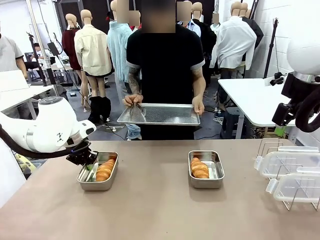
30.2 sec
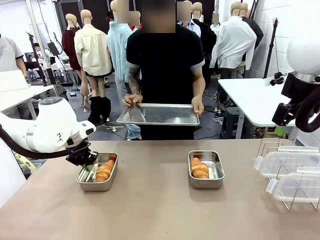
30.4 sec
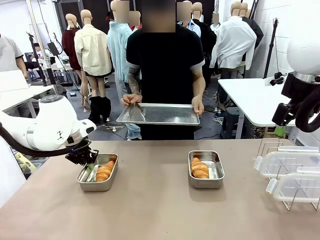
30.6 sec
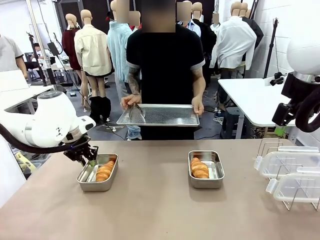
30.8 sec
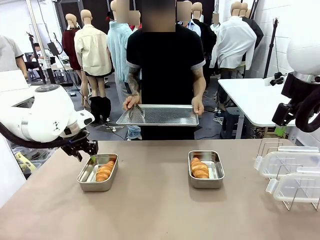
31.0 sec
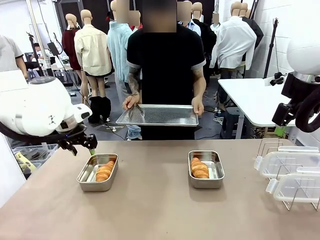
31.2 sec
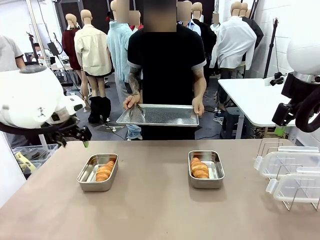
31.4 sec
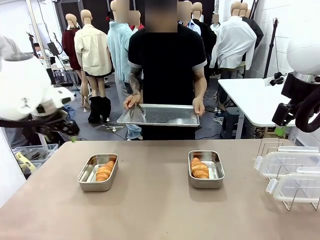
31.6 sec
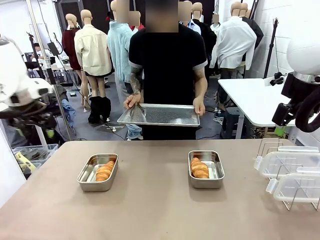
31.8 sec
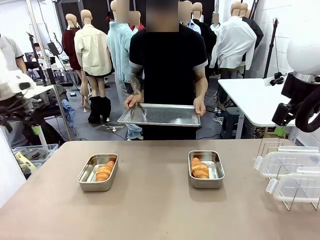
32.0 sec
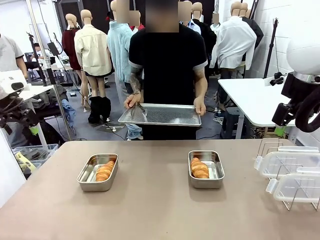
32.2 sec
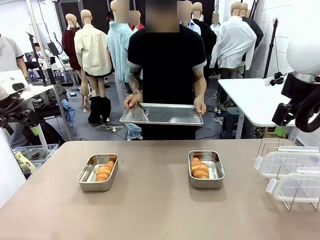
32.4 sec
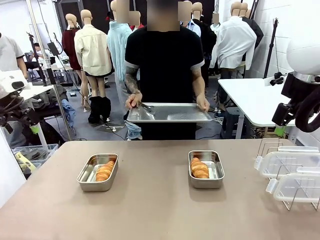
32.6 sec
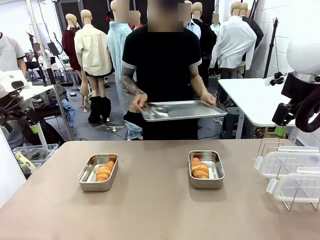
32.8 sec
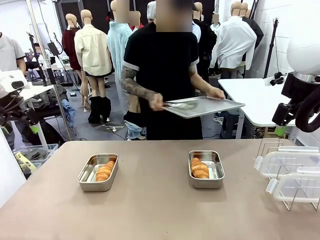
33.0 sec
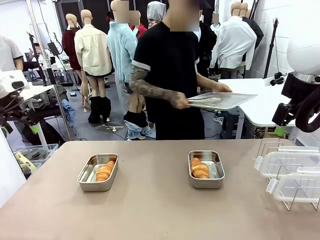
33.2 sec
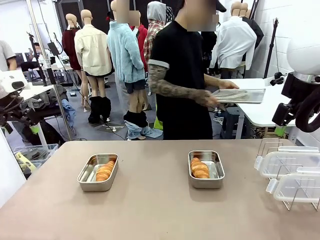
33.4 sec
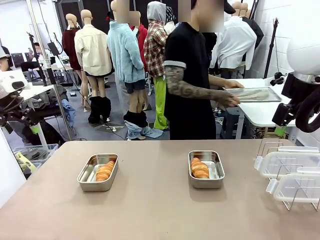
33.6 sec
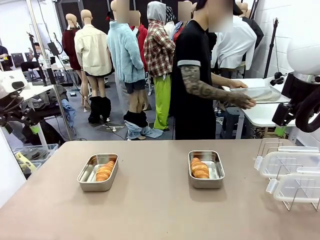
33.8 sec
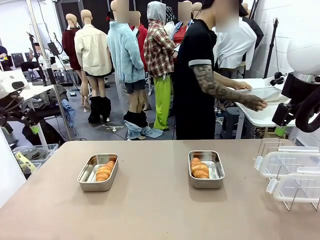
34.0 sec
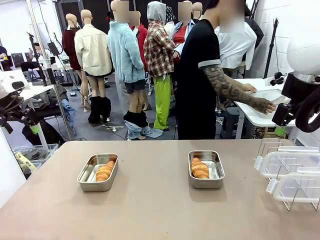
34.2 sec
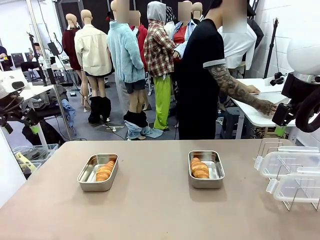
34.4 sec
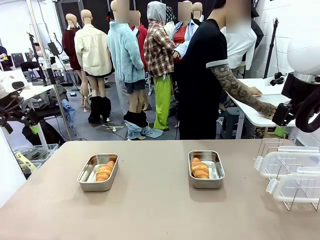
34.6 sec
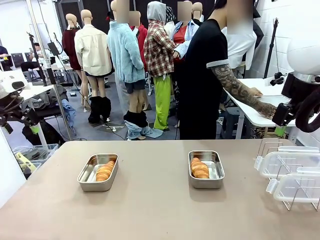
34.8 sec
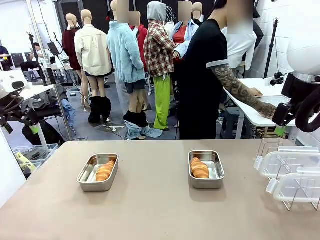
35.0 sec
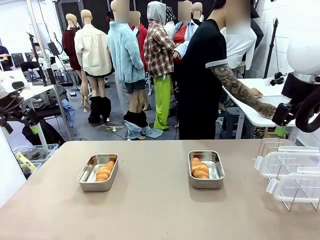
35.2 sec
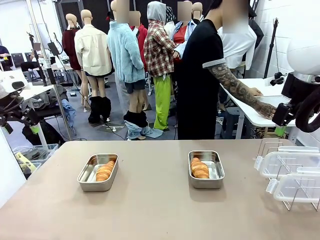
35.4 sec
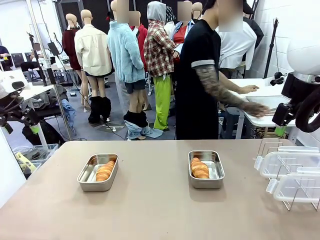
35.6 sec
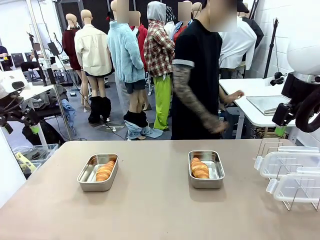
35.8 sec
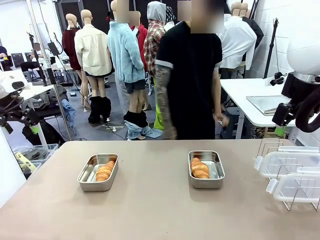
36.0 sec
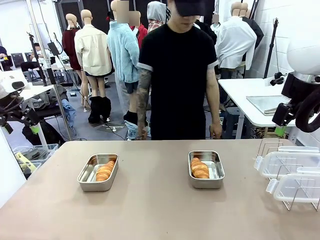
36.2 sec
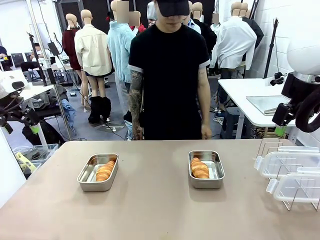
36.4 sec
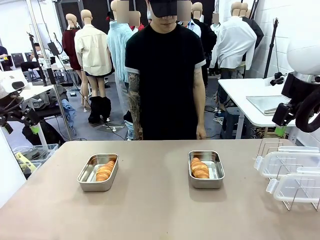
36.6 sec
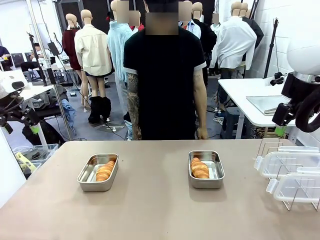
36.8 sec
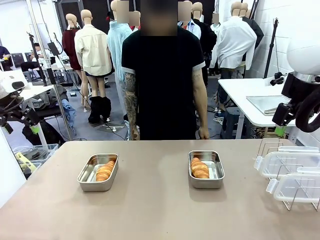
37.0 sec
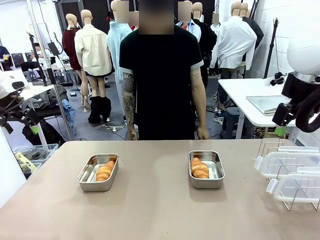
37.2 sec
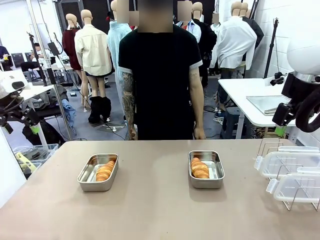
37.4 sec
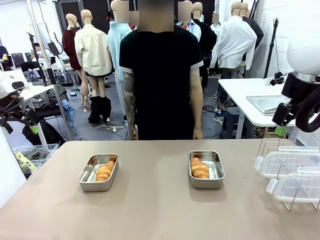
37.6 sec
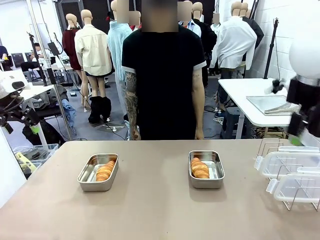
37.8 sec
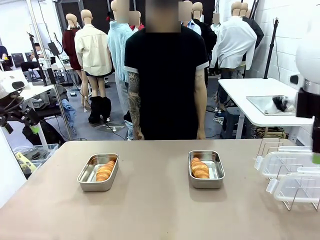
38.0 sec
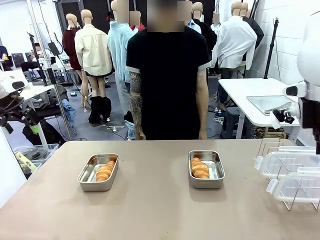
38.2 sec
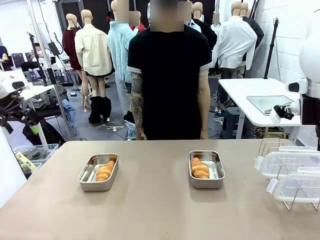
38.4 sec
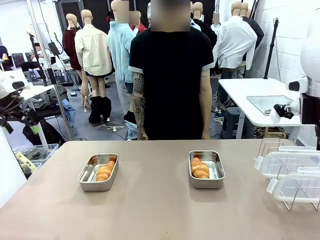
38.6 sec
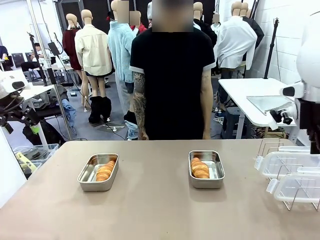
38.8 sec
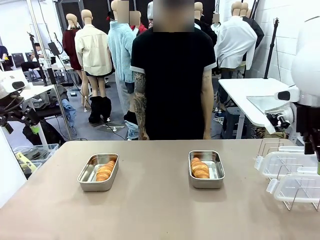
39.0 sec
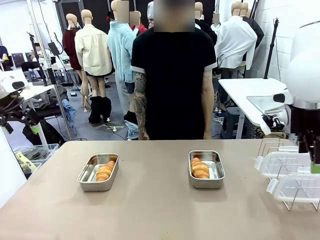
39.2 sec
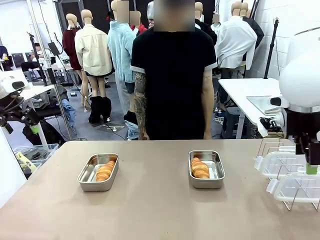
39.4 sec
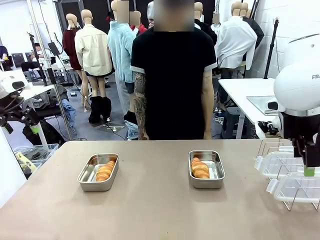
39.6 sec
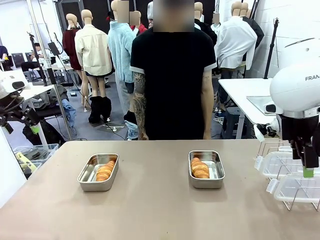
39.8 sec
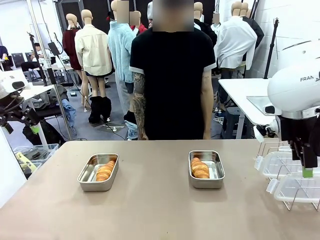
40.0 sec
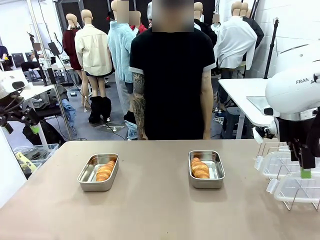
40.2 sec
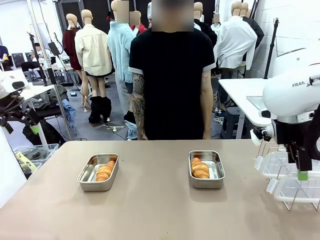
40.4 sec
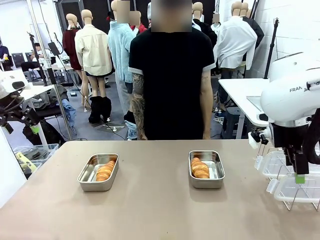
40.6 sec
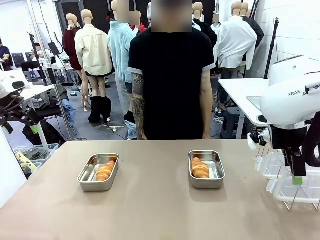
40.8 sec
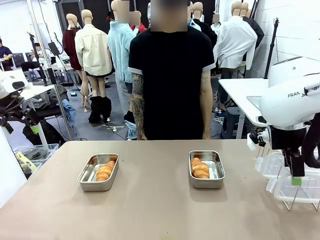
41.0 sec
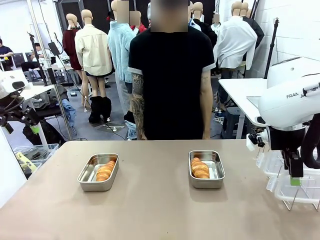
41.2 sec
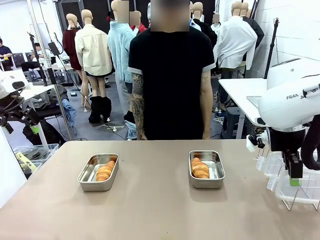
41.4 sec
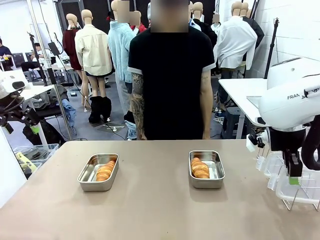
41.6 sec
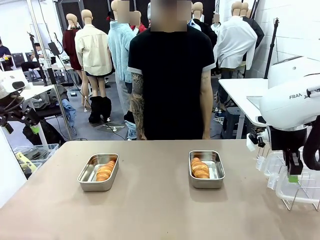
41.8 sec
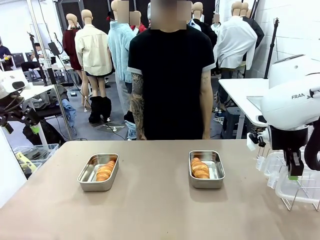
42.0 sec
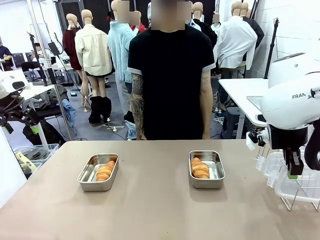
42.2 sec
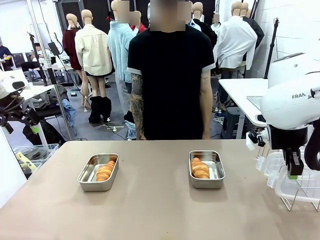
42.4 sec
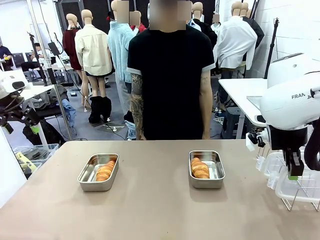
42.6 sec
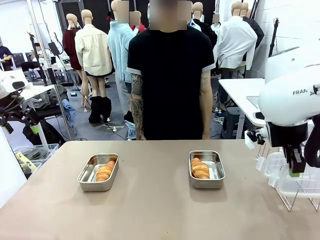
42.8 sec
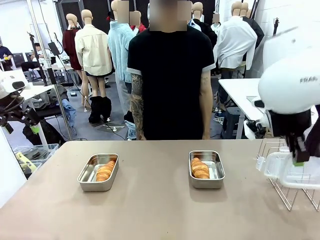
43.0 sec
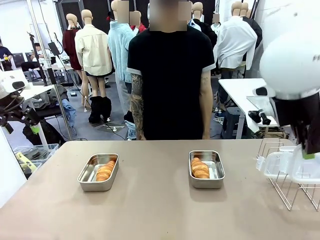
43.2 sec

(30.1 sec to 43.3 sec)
Task: Place the bread in airtight containers.
Robot: Pick up one Airtight Container lid and hand it to the human.
Person: Place Baking Sheet on the Human's Table. Grip Airtight Container lid that robot is handing.

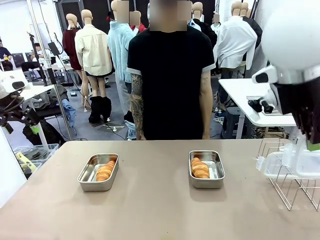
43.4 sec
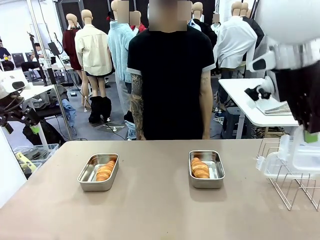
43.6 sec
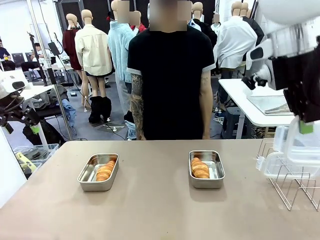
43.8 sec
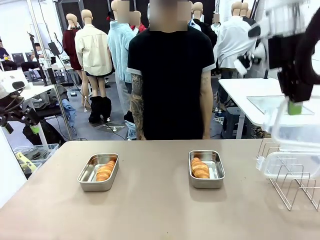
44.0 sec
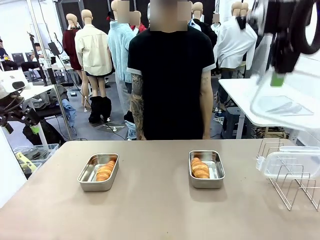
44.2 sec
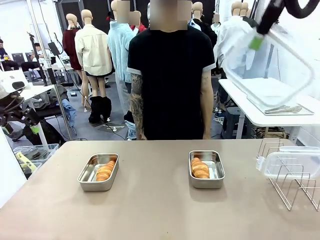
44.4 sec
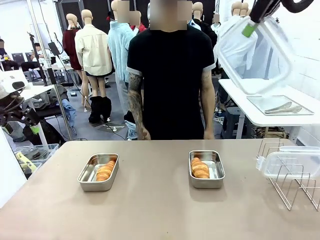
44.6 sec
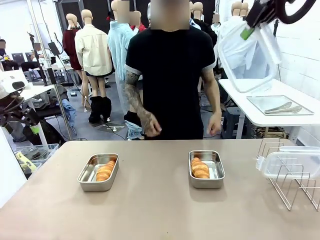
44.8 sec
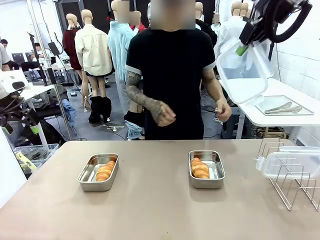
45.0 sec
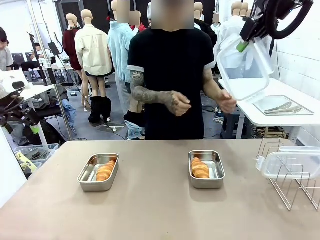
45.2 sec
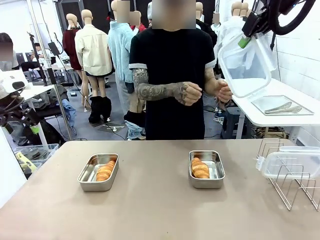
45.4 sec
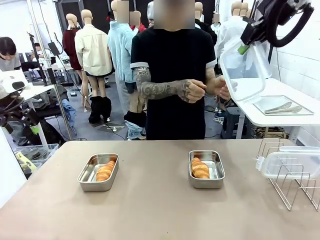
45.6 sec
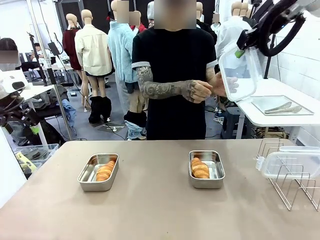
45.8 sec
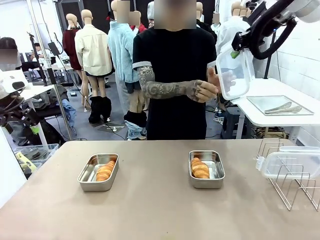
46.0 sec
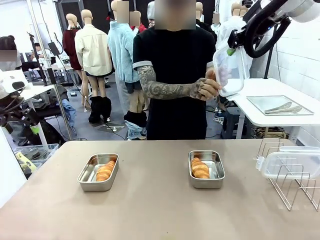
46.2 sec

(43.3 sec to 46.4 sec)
Robot: Release when the human grabs the Airtight Container lid.

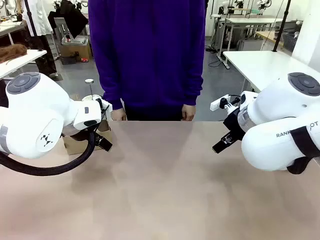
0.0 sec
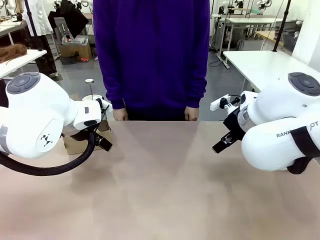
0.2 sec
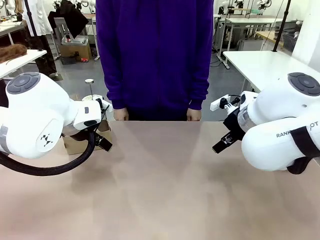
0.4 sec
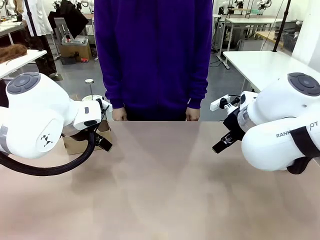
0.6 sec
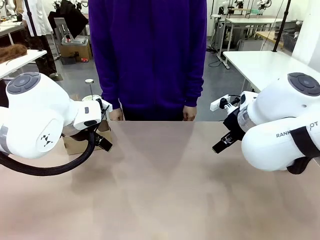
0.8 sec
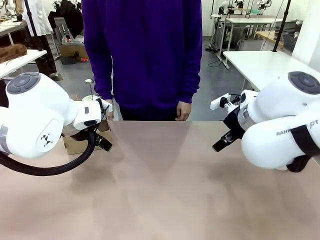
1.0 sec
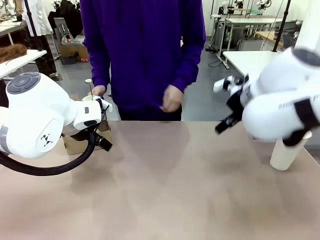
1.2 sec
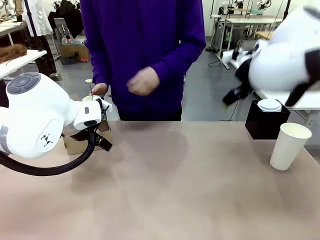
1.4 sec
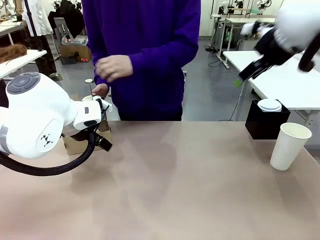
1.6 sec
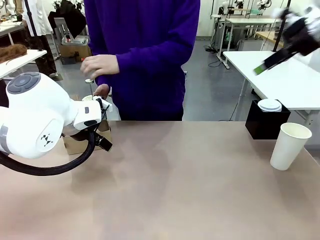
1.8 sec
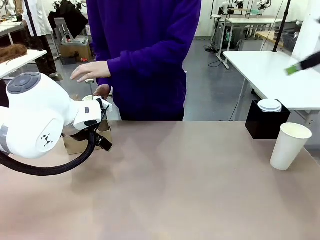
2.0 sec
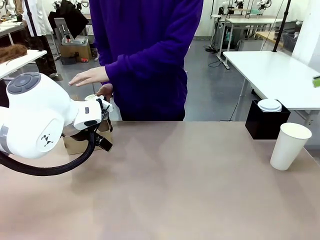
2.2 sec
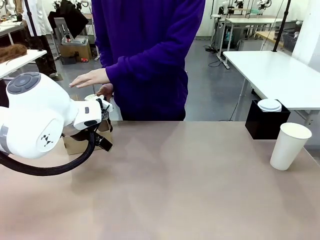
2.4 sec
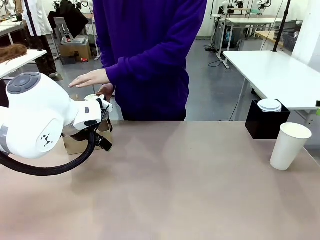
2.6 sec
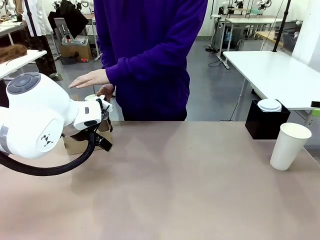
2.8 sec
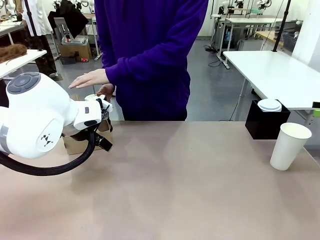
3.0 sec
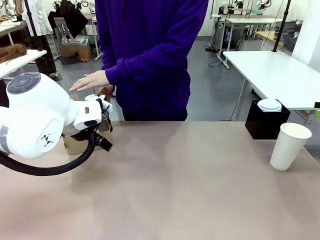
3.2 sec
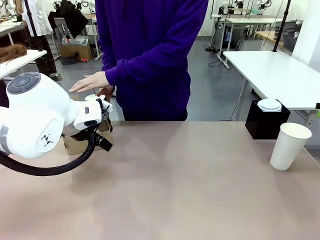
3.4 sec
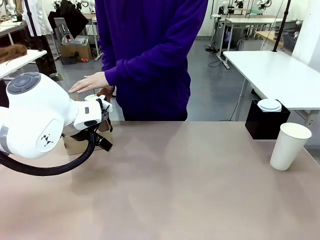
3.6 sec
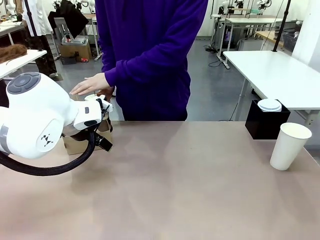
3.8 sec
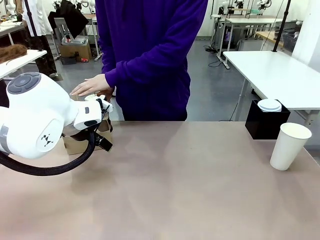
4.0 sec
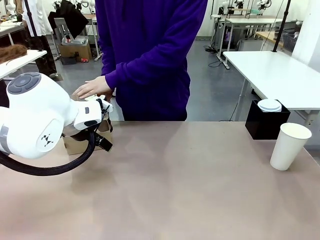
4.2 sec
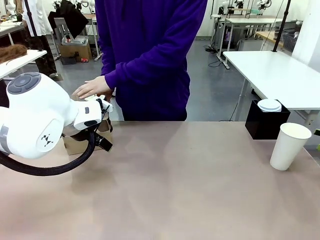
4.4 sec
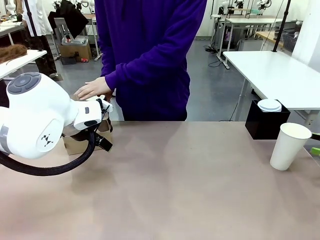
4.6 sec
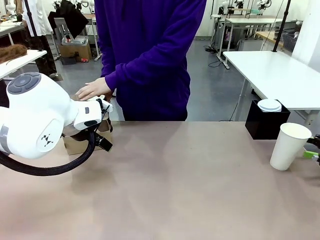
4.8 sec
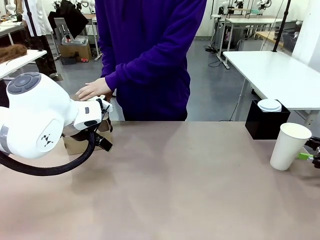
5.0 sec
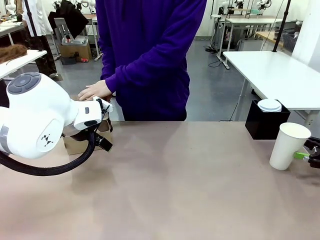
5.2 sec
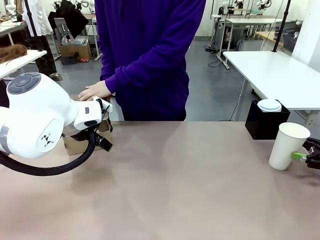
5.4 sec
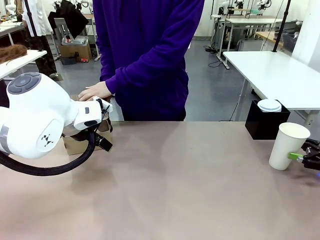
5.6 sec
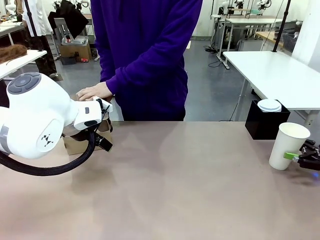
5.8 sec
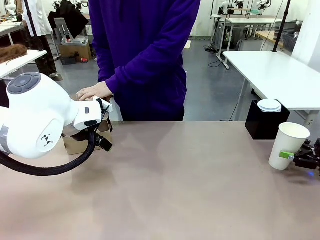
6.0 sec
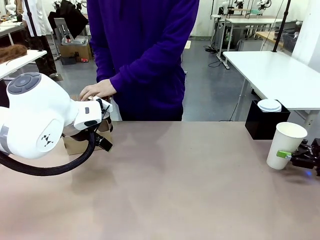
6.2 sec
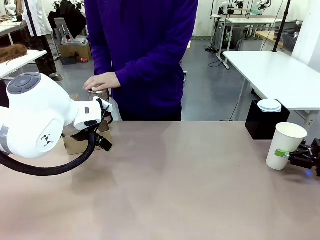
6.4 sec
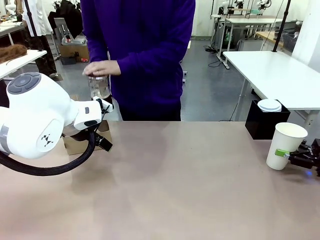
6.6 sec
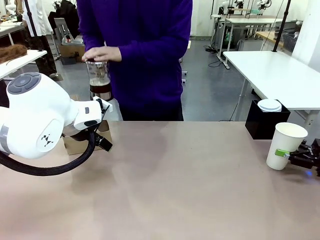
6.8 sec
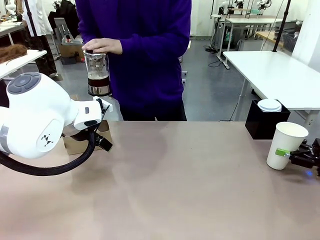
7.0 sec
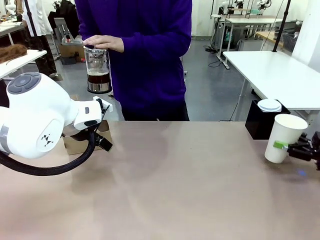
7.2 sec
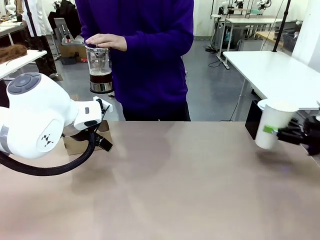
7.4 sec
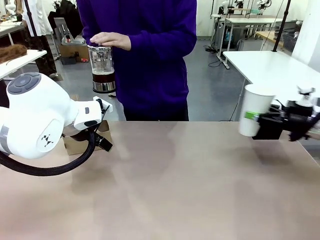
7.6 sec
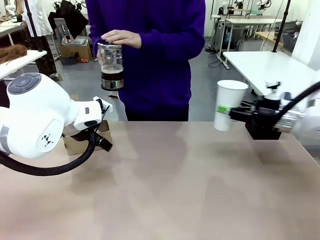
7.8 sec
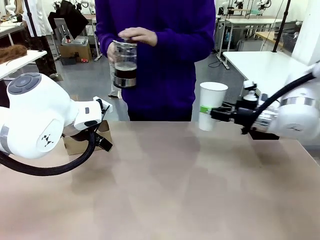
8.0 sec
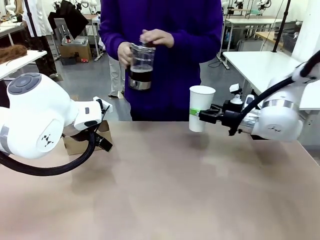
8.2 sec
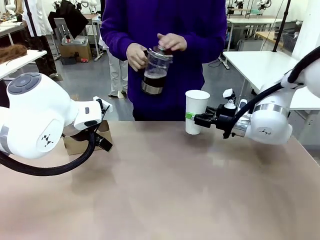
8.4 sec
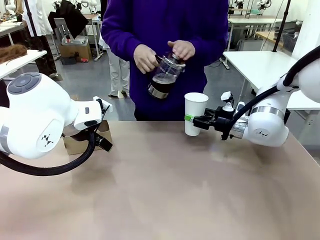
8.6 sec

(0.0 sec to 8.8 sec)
Task: Pour a drink into a cup and package it in a carrier.
Robot: Pick up the 600 ml Paper Cup and place it in the middle top area of the table.
Person: Press and pick up the Filter Brewing.
